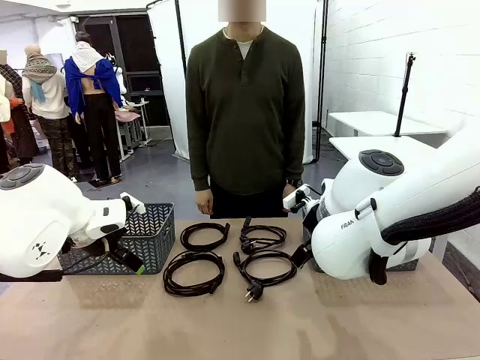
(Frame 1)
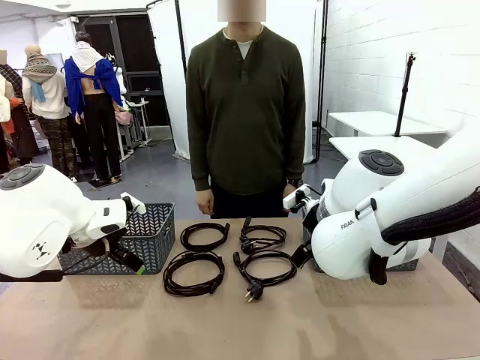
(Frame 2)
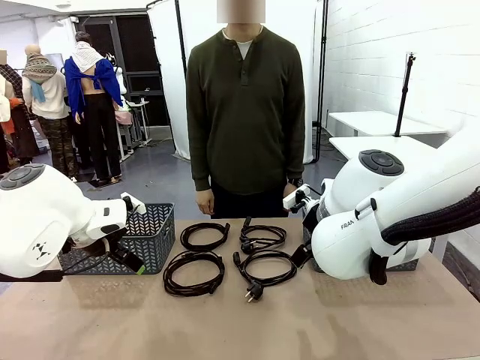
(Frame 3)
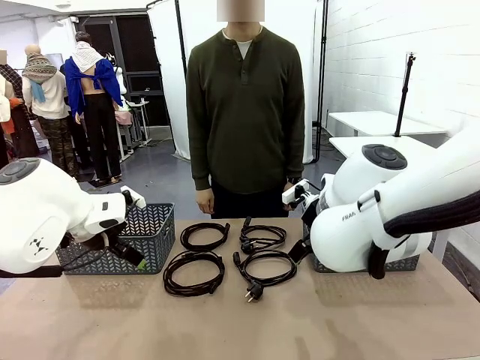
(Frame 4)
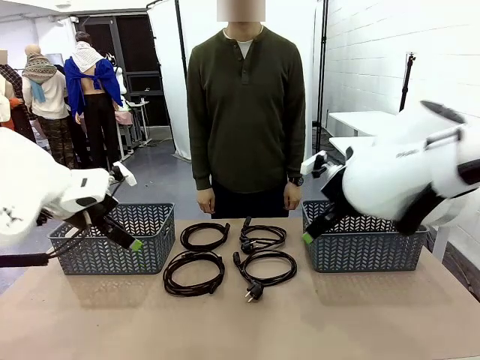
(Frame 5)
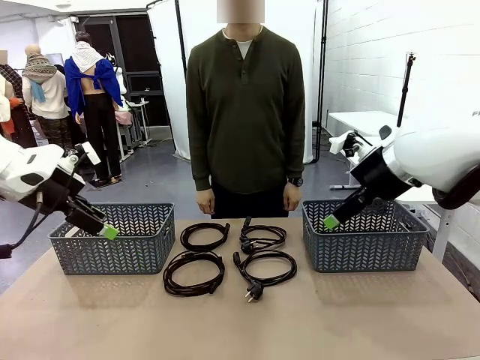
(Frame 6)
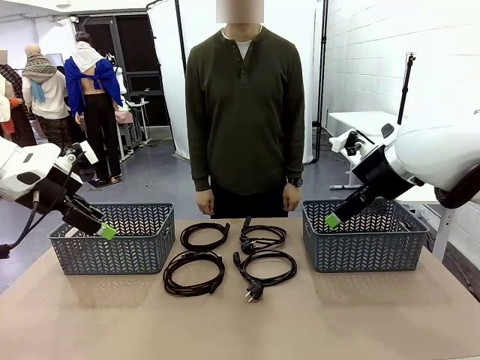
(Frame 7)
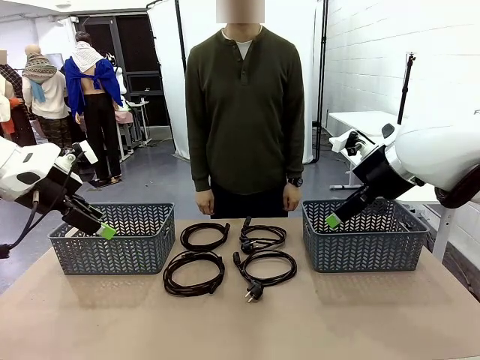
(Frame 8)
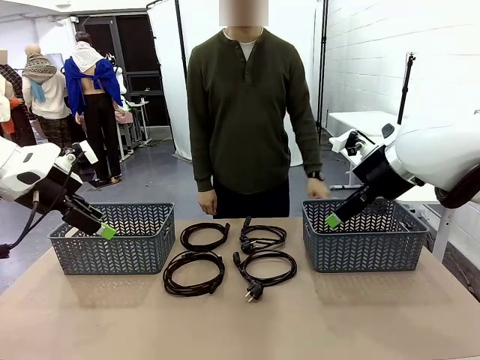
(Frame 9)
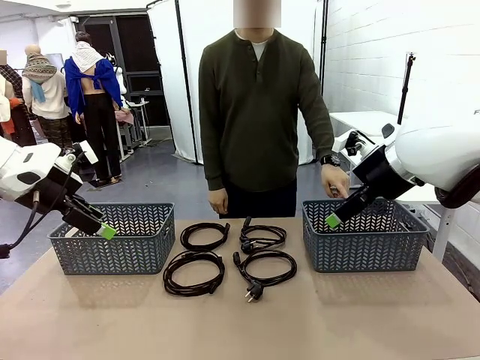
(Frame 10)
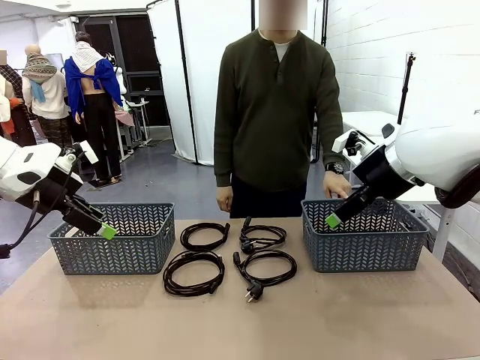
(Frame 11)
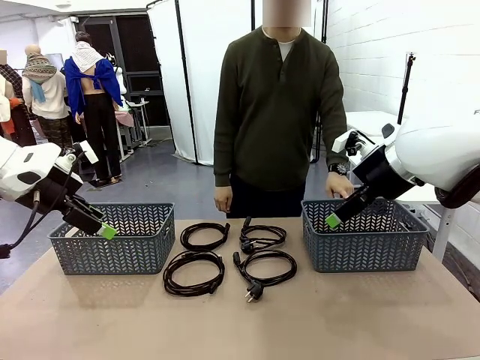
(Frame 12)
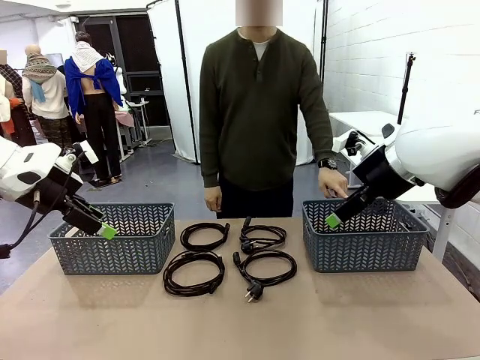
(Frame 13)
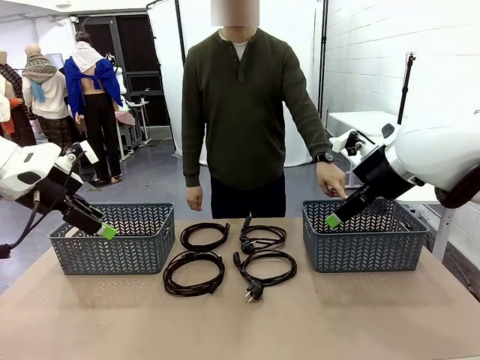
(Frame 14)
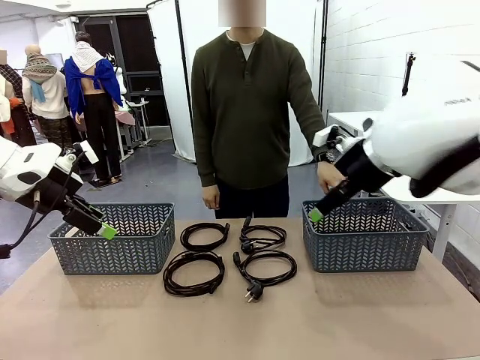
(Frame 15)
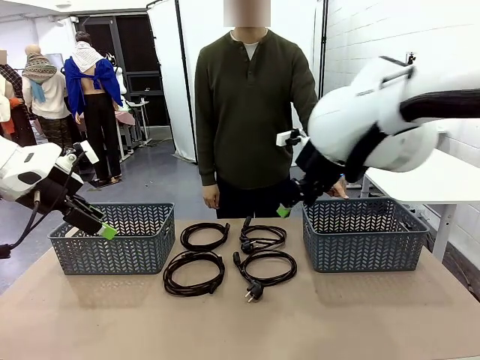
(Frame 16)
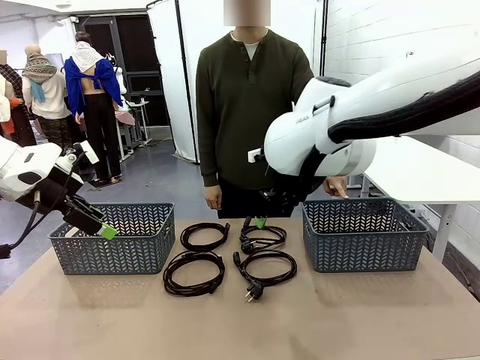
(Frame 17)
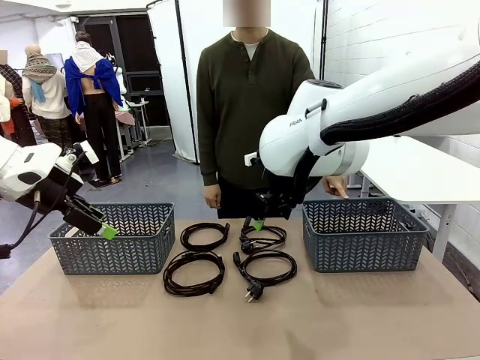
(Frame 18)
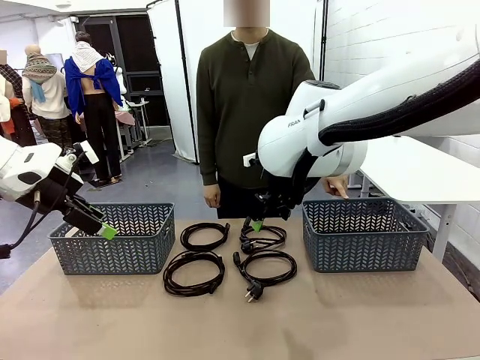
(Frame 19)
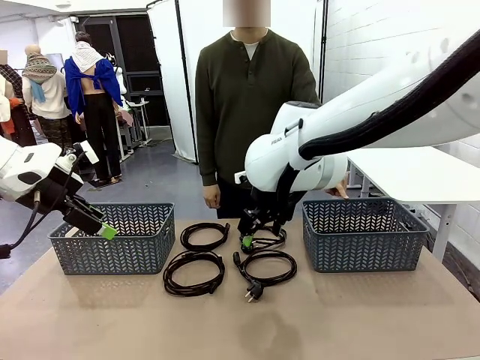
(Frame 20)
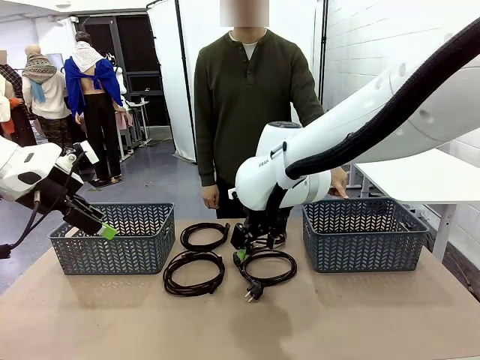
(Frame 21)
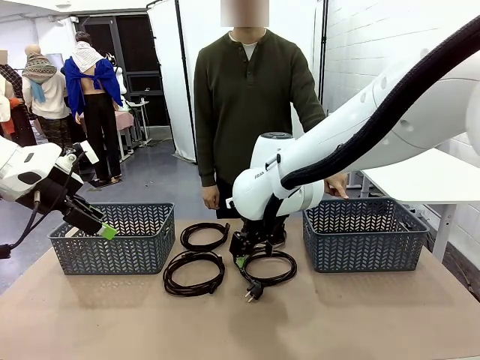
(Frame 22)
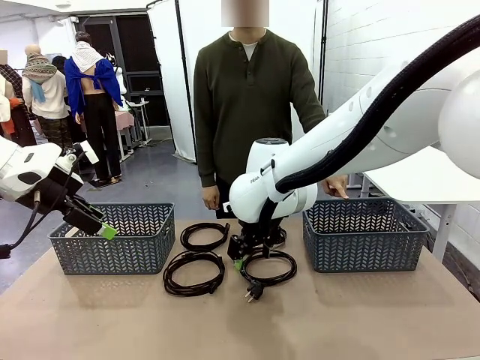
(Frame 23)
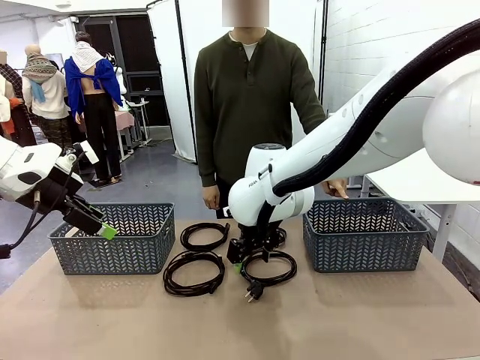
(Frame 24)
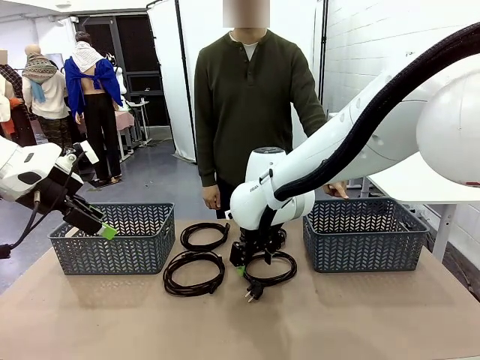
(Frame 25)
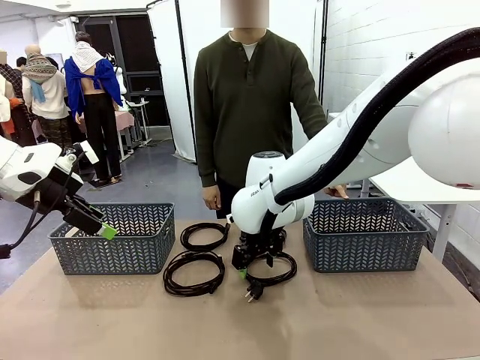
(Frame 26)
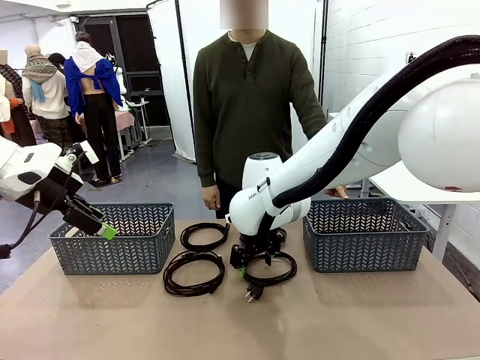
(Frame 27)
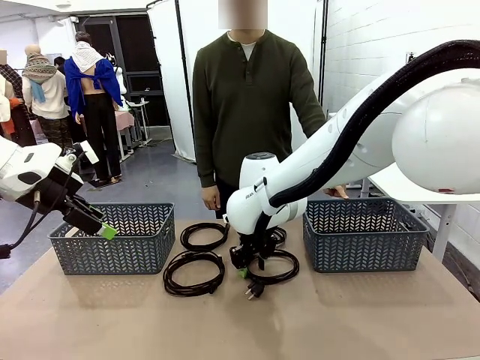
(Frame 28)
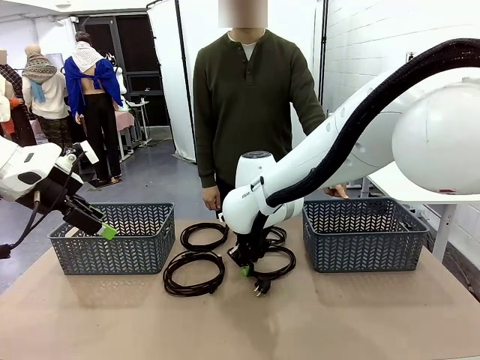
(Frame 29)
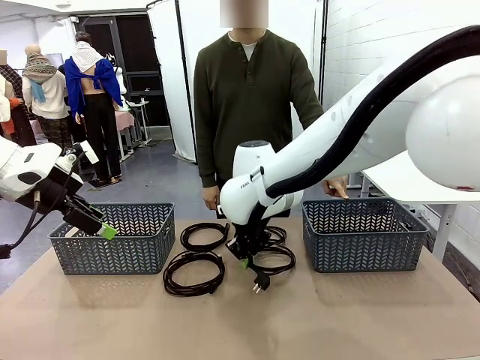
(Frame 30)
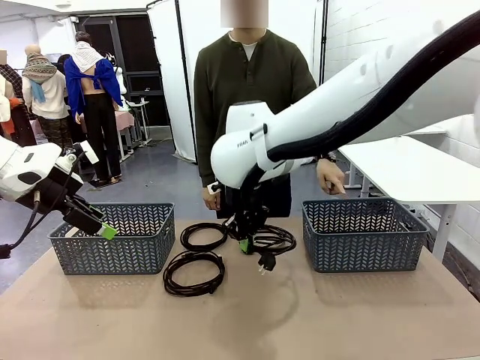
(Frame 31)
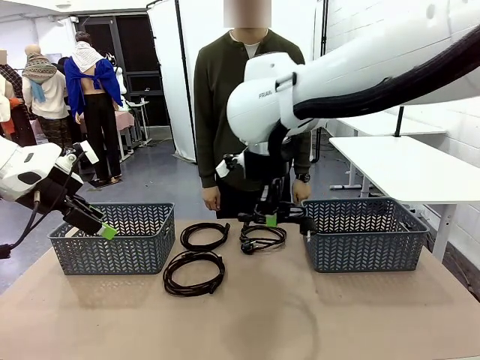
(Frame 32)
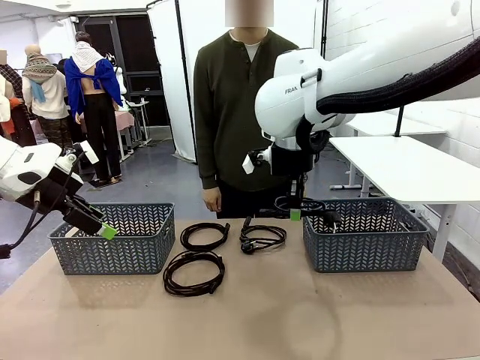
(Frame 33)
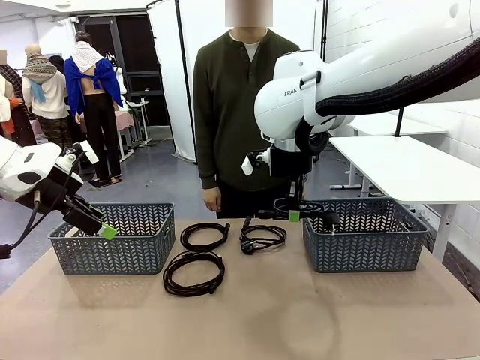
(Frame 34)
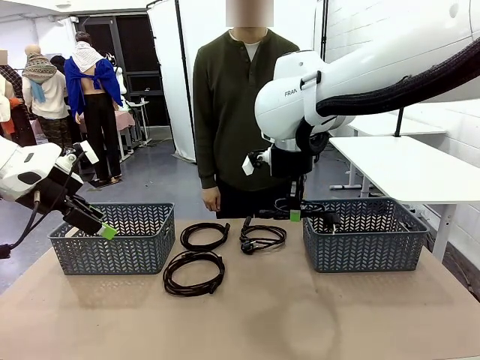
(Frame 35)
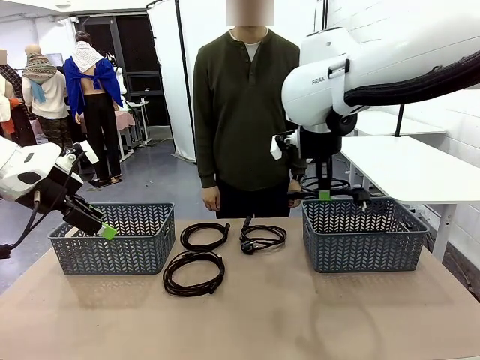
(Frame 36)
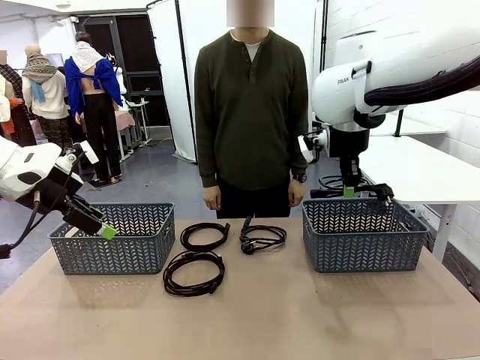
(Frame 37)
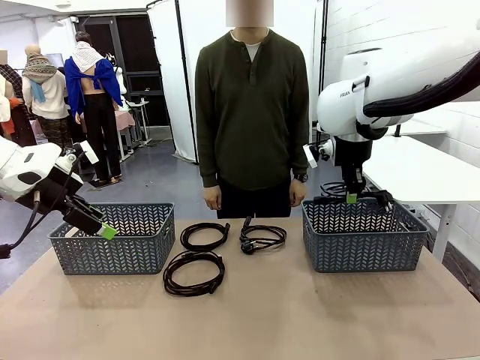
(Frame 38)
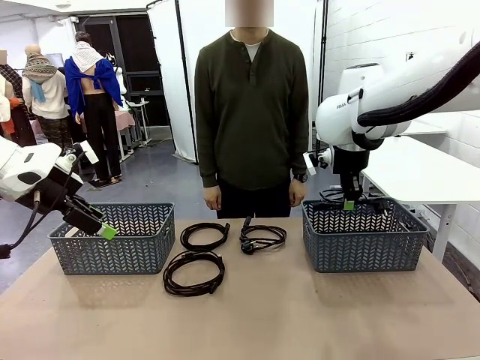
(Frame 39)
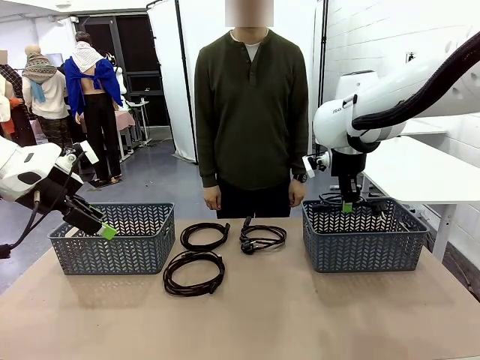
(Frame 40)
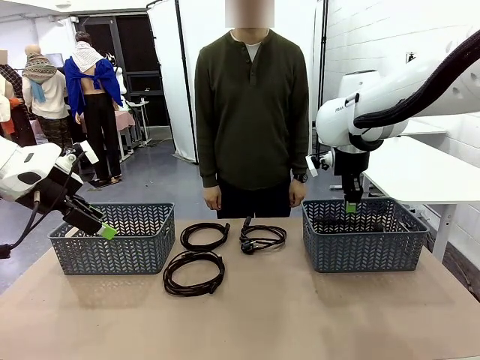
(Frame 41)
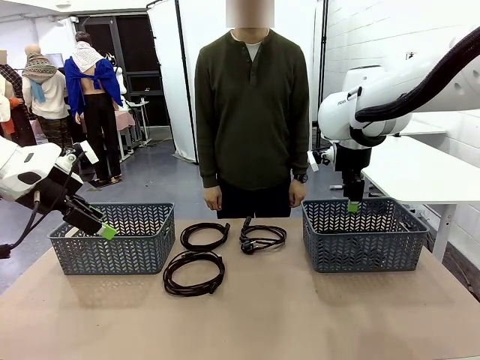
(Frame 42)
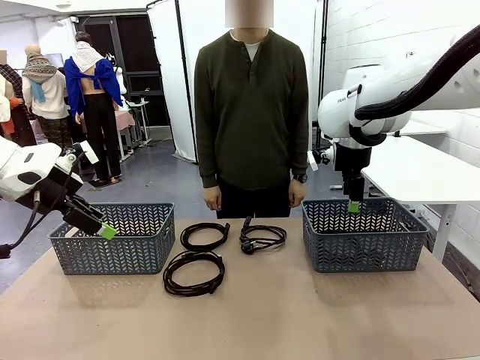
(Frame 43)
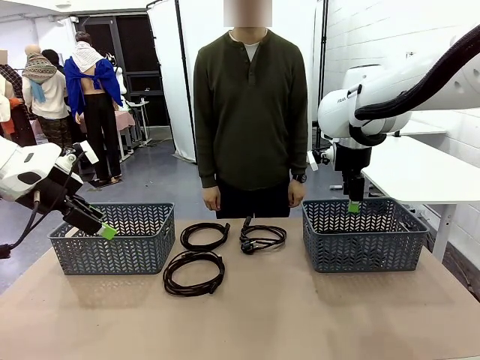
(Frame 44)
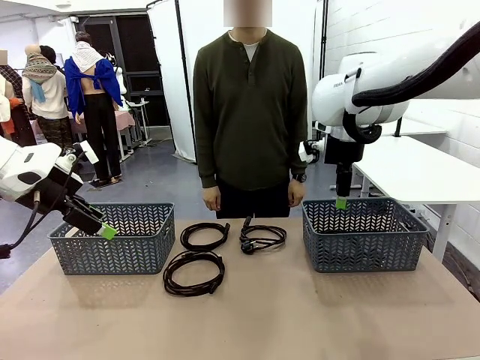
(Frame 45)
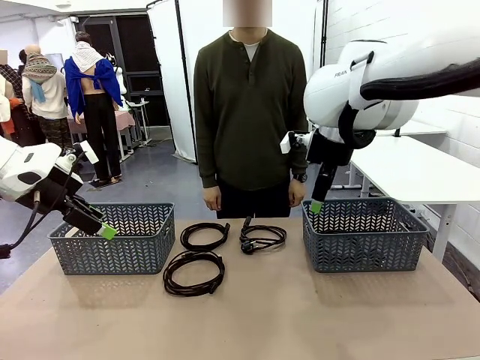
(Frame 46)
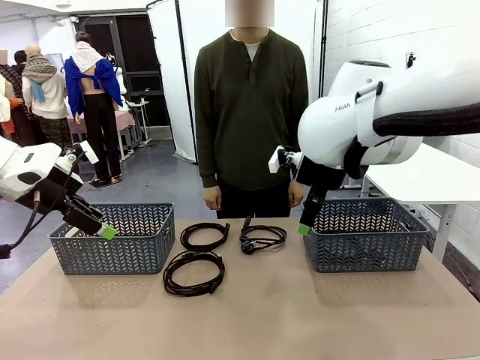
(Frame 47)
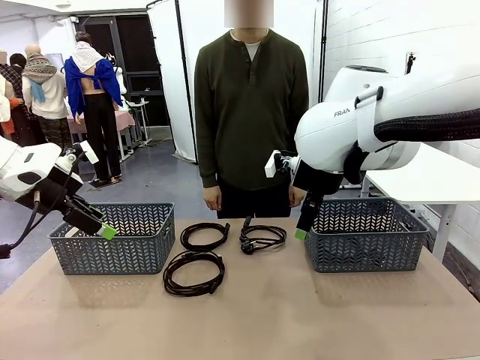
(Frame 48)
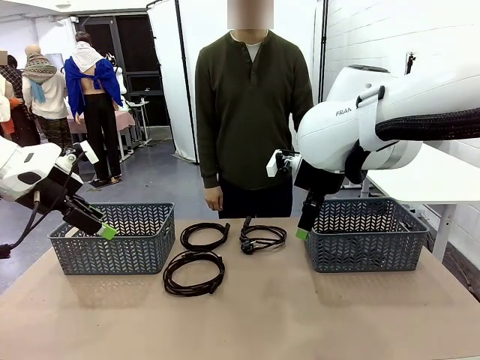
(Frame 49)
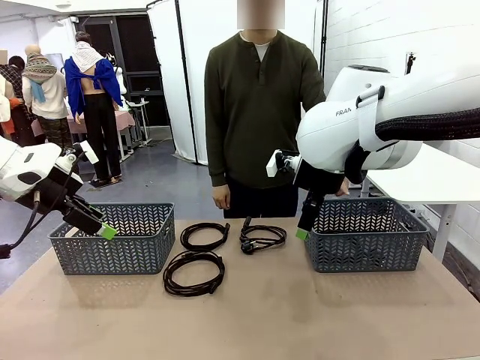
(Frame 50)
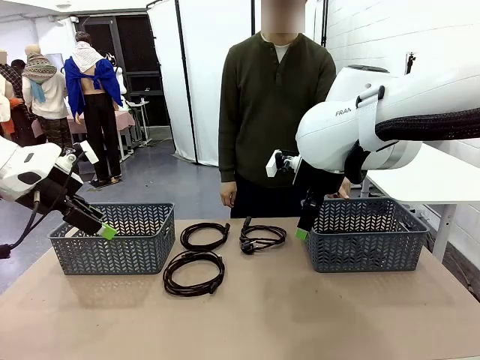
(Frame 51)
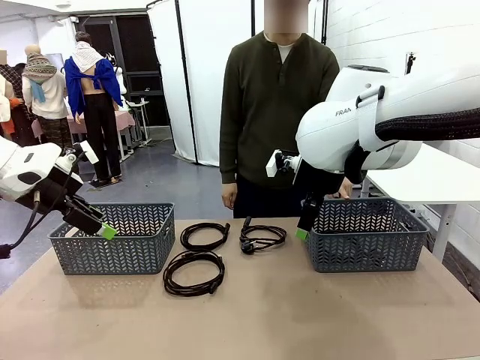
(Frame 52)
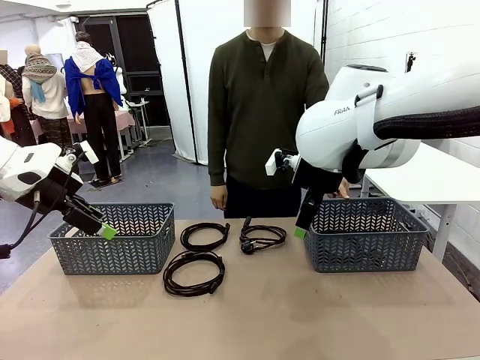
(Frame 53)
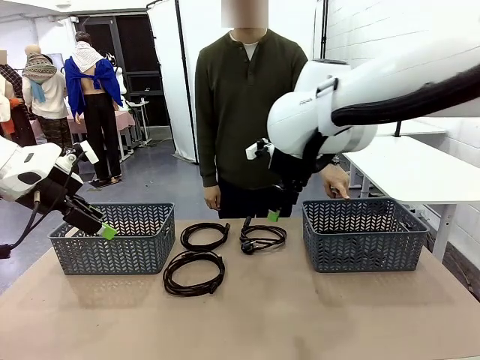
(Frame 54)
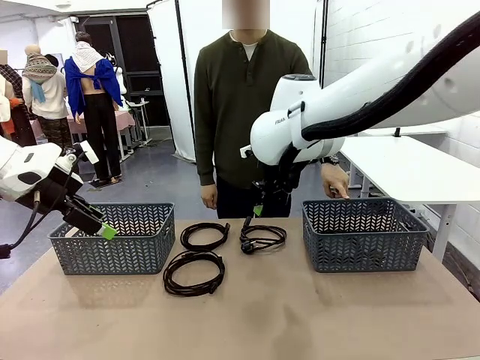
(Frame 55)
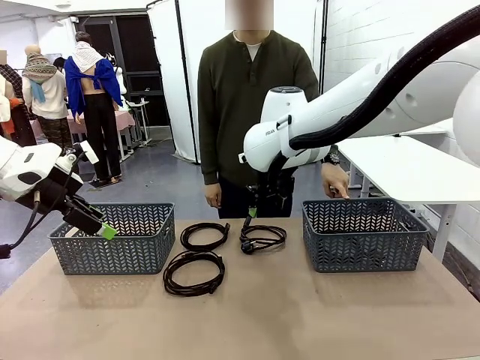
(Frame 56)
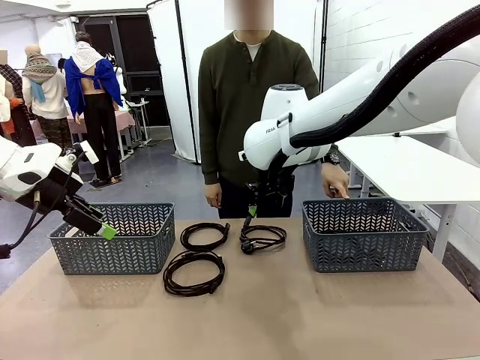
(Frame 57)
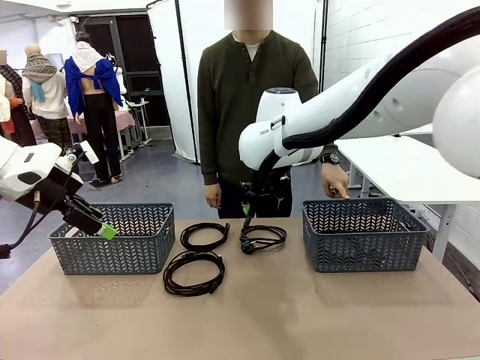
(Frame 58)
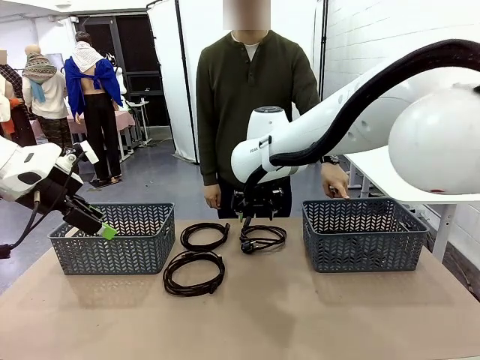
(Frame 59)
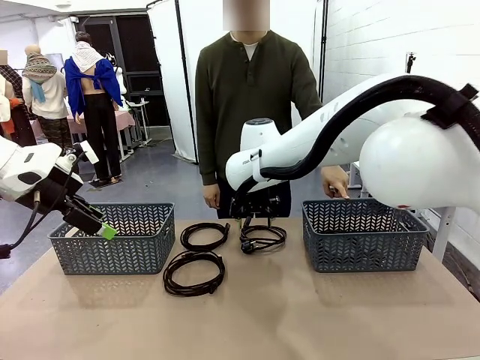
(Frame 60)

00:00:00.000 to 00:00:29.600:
Task: Organize the cables according to human instructions.
Robot: Pick up a bundle of cables and place it in the basket indicated by the human.
